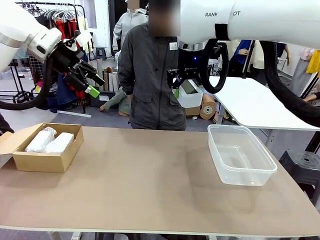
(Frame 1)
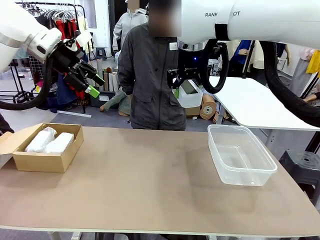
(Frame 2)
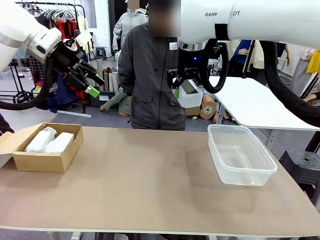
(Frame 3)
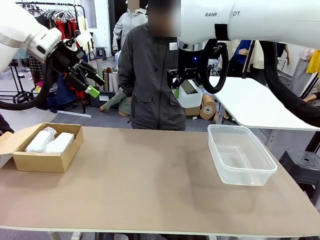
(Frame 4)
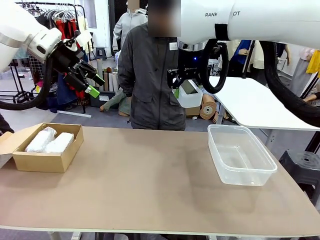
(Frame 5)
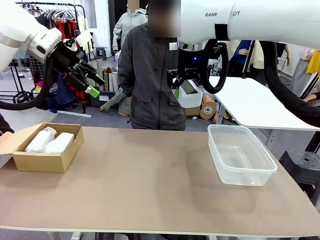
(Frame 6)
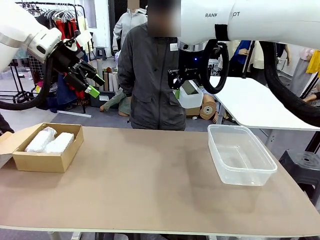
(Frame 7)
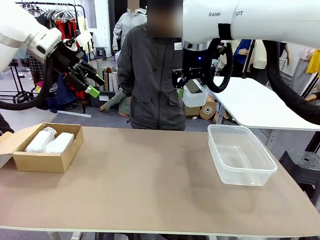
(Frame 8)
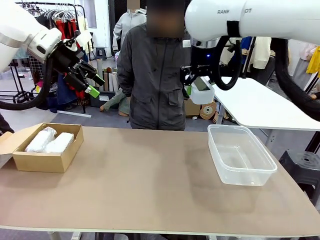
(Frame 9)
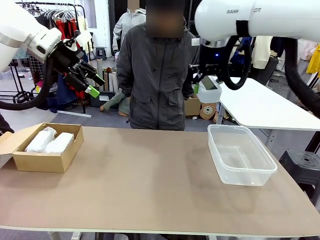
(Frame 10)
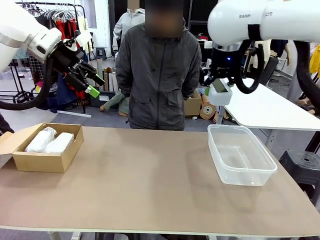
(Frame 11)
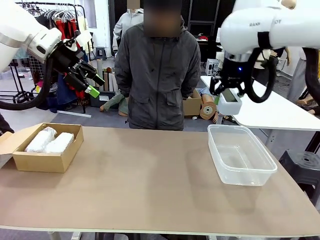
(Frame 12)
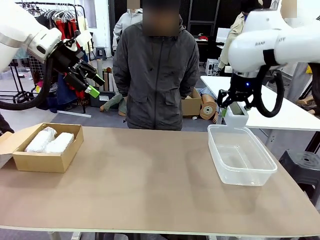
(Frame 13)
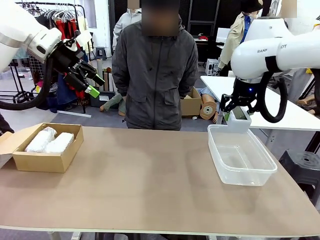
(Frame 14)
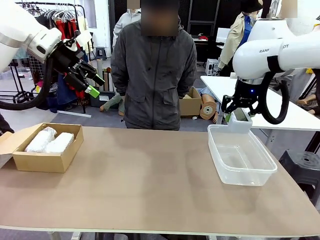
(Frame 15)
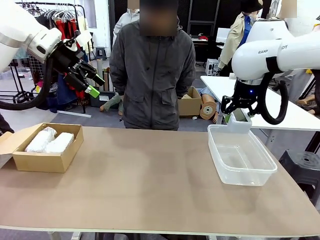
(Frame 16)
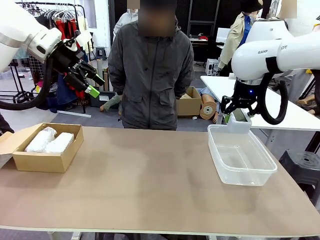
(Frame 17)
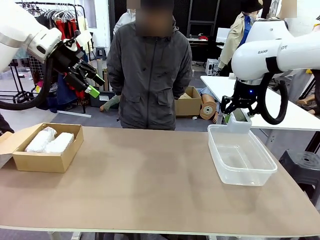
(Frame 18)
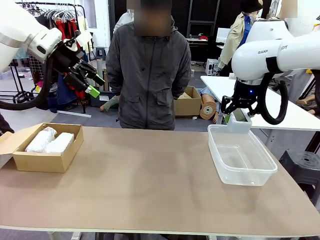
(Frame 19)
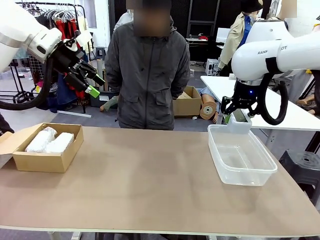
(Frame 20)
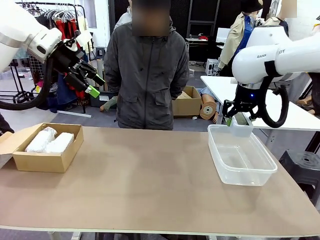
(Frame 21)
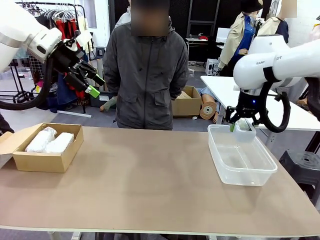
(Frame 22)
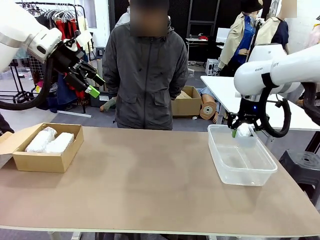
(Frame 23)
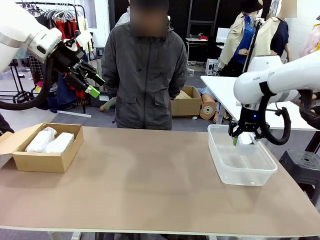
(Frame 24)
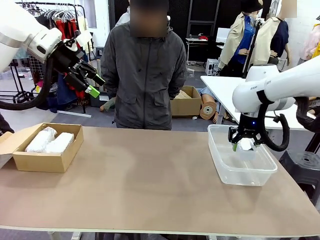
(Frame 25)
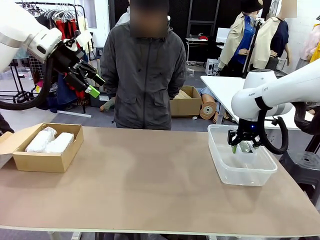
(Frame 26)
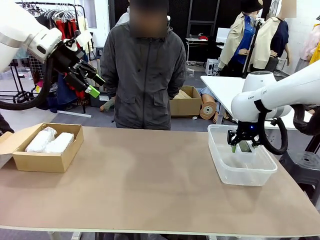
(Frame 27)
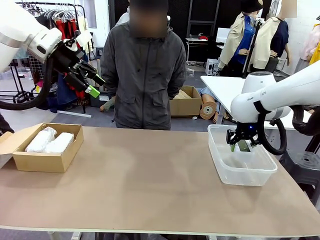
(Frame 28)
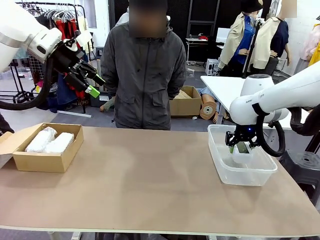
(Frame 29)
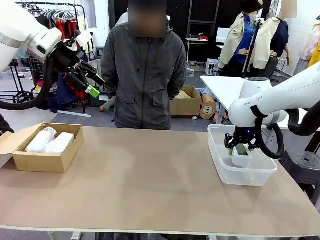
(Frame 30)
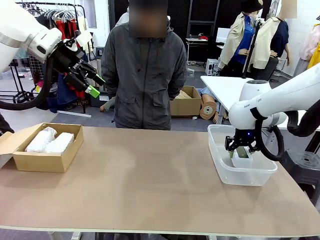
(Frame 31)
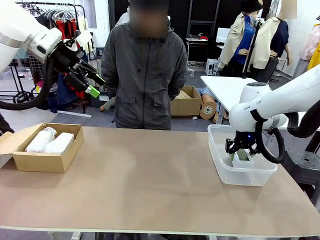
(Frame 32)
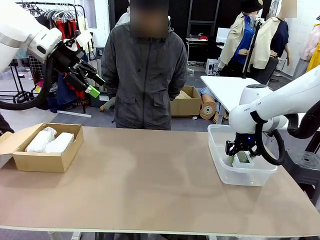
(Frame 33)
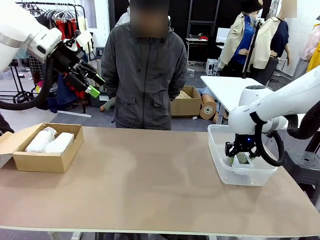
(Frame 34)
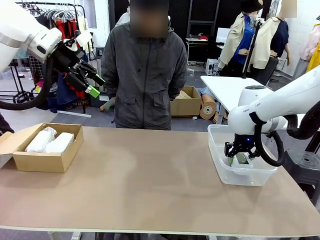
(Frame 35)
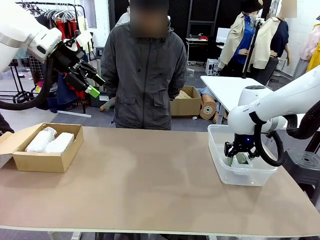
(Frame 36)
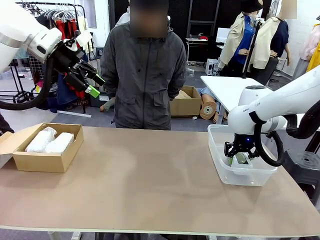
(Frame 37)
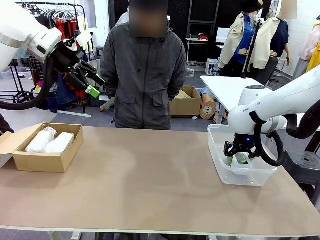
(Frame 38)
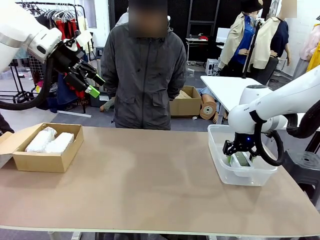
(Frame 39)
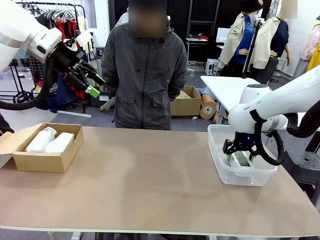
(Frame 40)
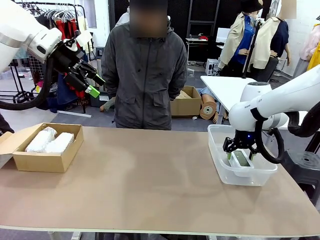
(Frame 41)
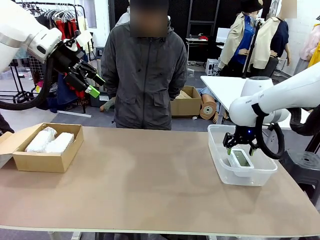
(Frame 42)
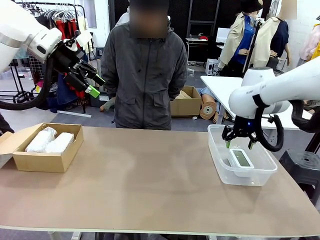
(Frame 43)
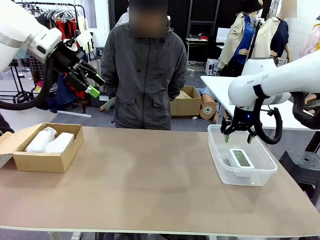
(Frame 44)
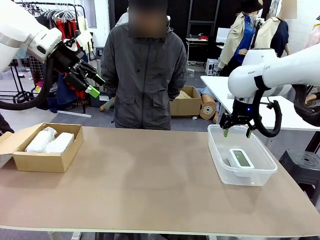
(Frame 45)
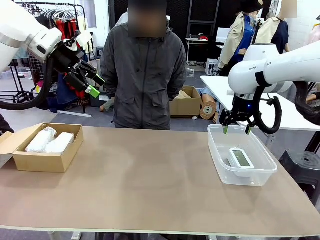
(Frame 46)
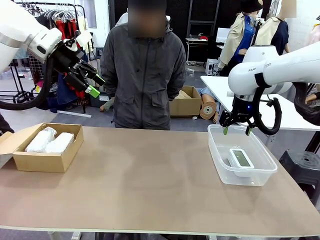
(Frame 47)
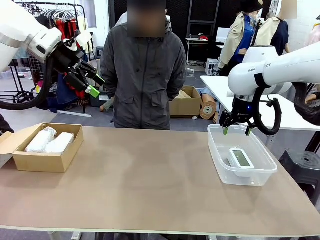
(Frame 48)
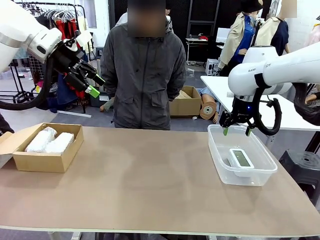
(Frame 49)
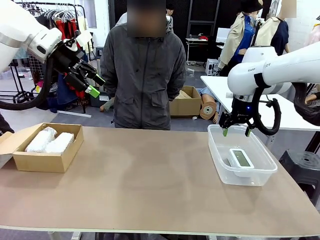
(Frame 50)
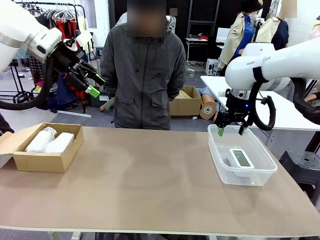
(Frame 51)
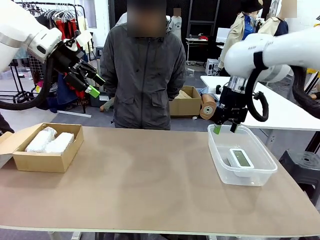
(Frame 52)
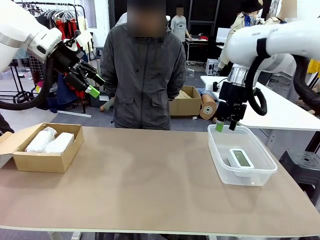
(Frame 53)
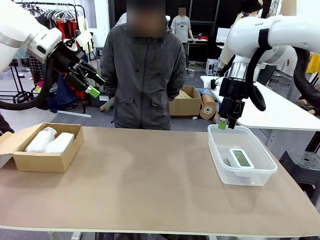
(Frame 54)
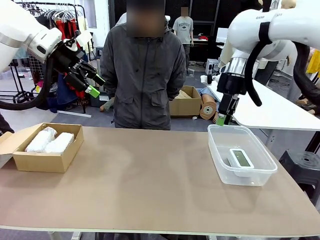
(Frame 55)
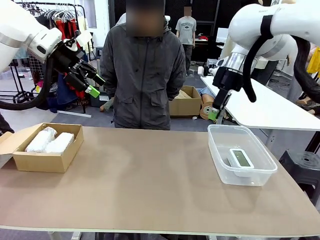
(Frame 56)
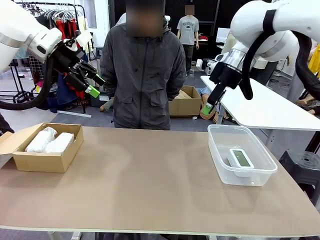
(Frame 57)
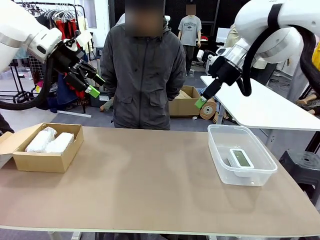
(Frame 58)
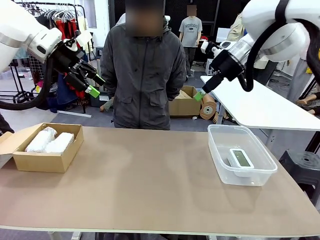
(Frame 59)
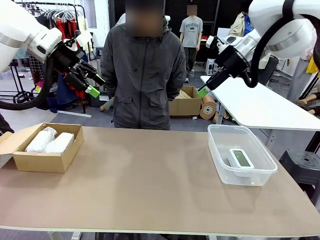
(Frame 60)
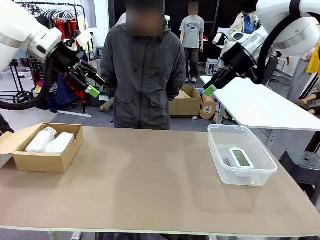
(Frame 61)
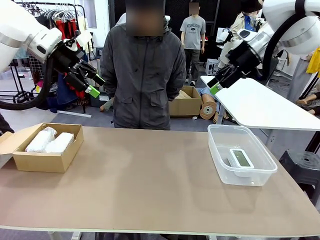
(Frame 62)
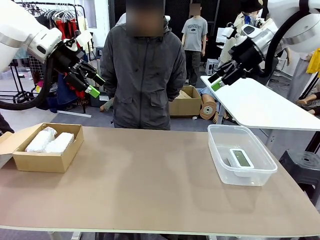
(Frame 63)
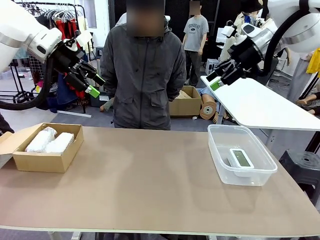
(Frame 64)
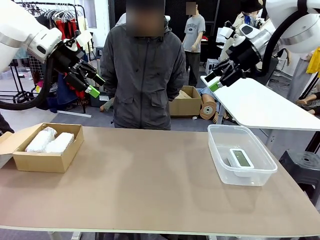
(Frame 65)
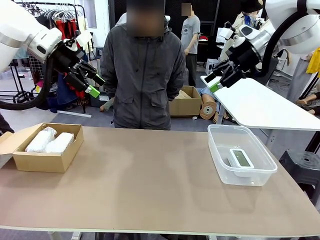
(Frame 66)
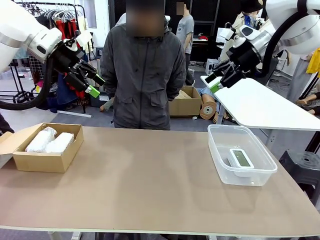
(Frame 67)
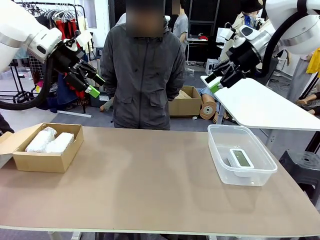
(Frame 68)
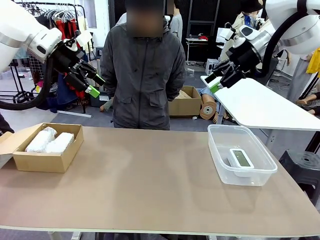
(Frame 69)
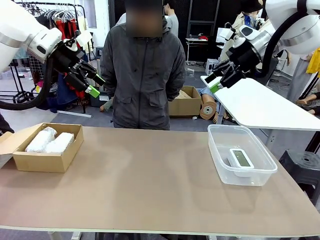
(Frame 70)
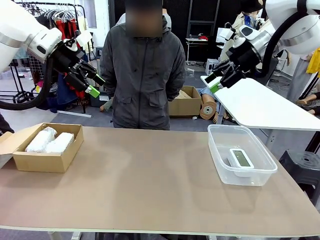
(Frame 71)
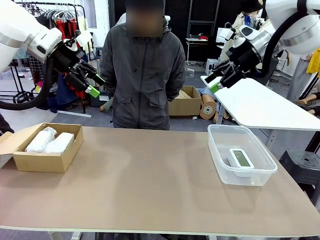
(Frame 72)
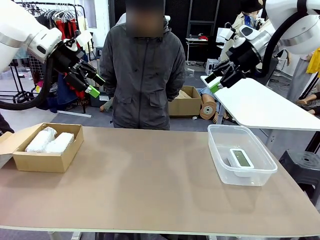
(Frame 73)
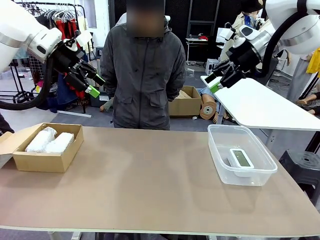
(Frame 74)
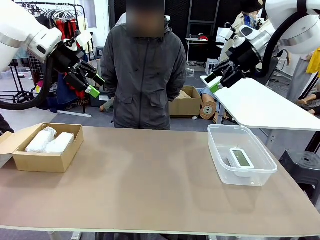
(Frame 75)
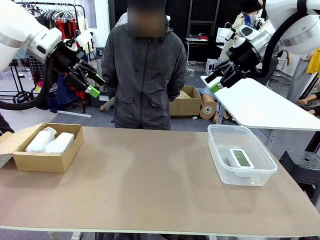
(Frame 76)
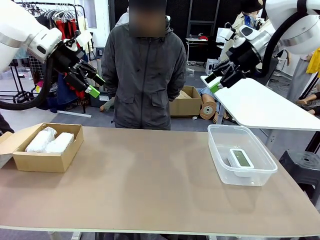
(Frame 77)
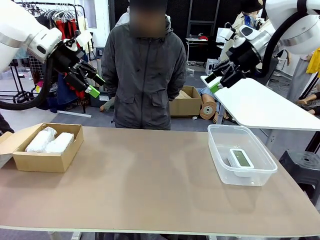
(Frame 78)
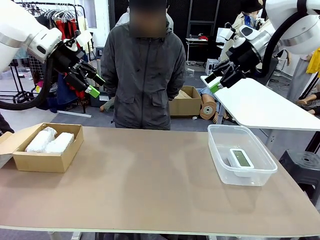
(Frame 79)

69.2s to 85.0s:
Task: Separate and place wrapped and unwrapped clocks.
Robot: If the picked Digital clock is wrapped, place it in the Package Box ; if not, place it in the Organizing box.
